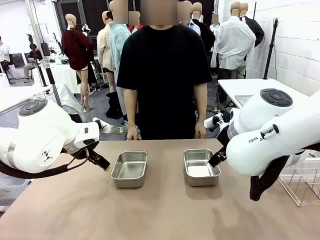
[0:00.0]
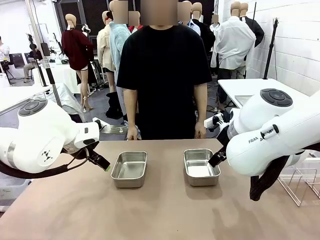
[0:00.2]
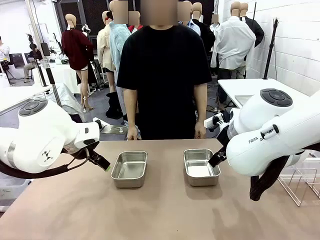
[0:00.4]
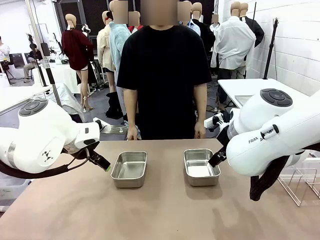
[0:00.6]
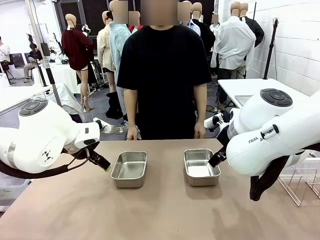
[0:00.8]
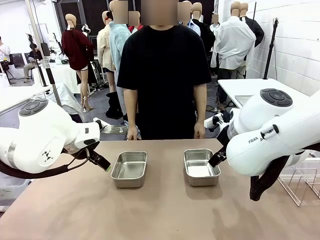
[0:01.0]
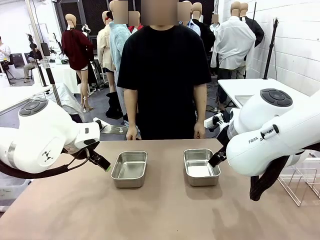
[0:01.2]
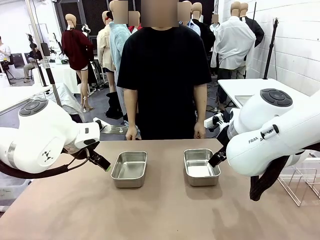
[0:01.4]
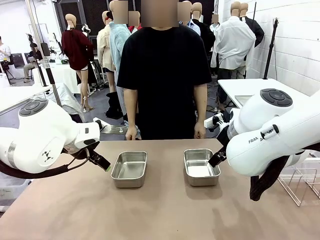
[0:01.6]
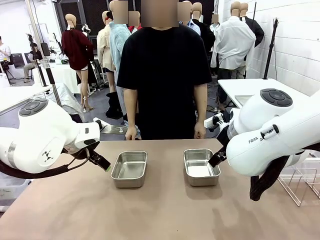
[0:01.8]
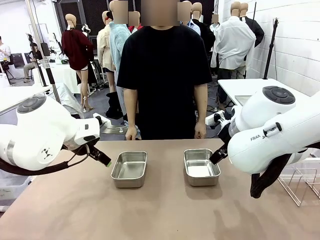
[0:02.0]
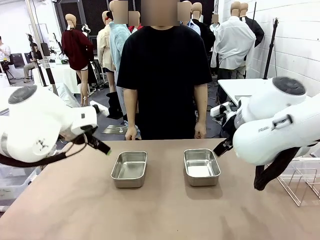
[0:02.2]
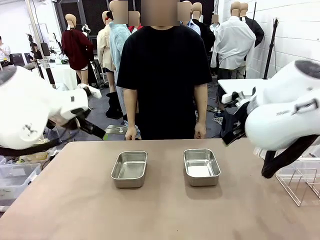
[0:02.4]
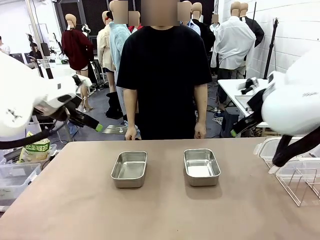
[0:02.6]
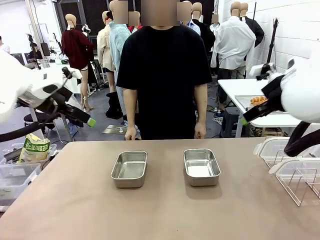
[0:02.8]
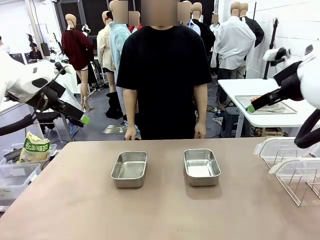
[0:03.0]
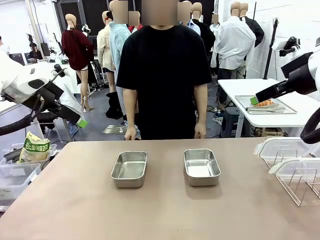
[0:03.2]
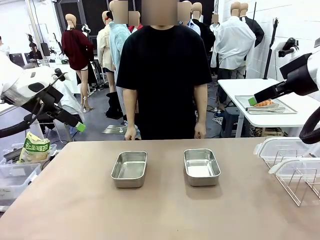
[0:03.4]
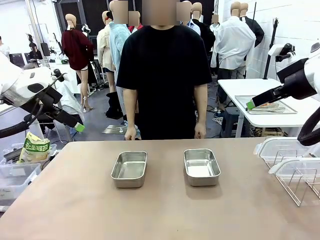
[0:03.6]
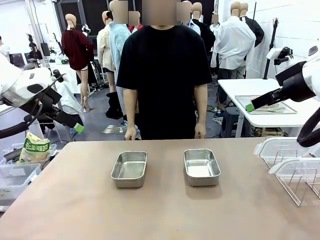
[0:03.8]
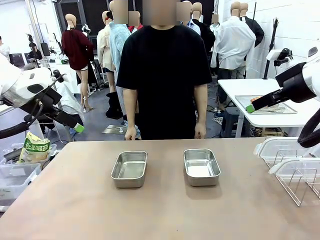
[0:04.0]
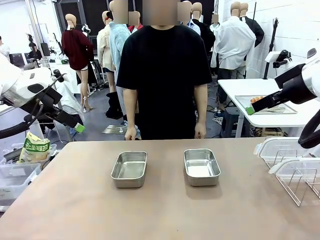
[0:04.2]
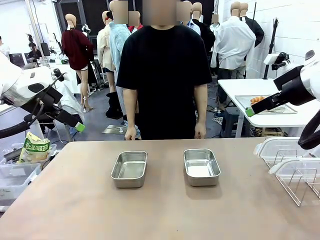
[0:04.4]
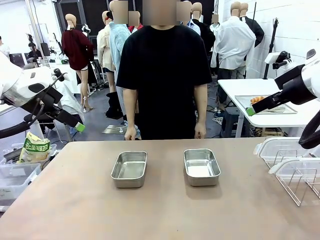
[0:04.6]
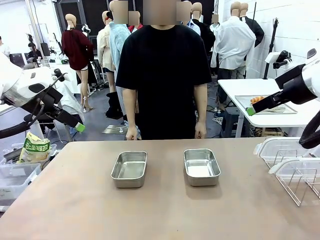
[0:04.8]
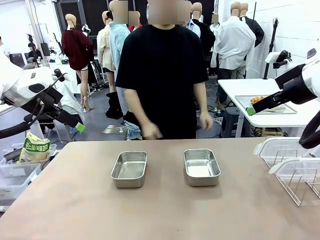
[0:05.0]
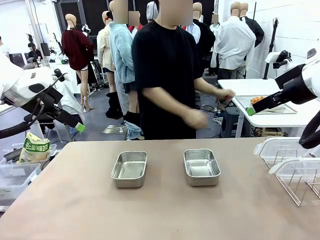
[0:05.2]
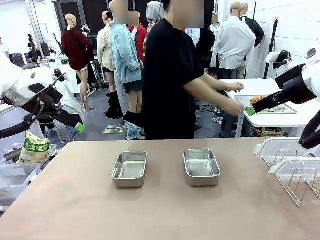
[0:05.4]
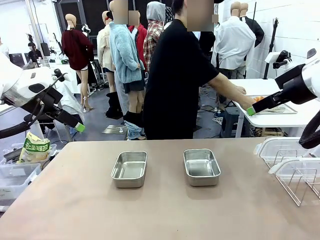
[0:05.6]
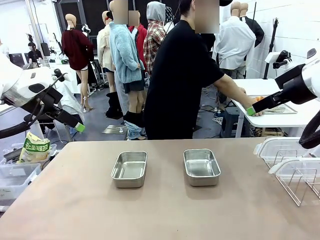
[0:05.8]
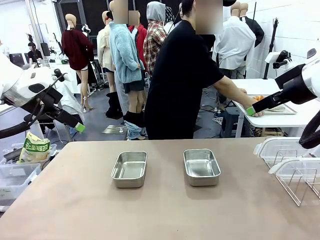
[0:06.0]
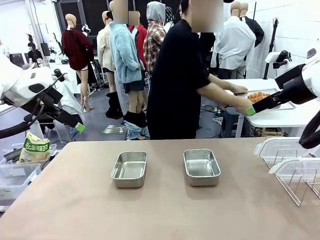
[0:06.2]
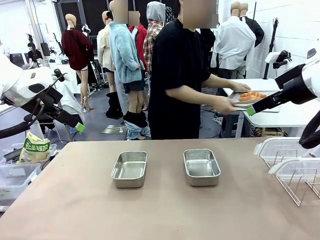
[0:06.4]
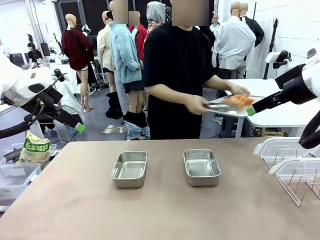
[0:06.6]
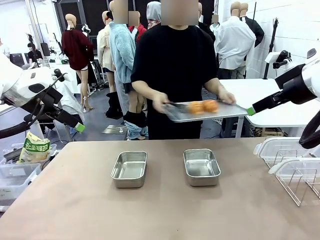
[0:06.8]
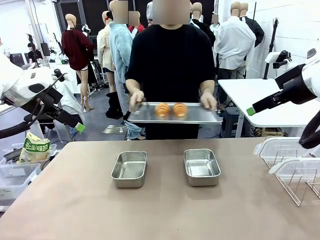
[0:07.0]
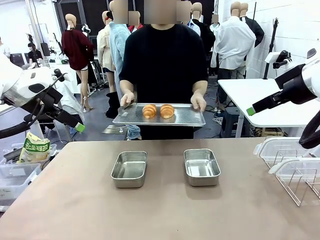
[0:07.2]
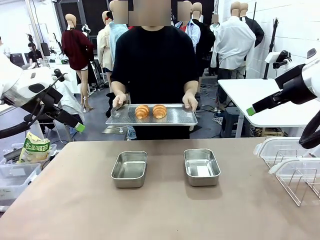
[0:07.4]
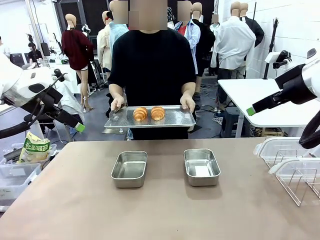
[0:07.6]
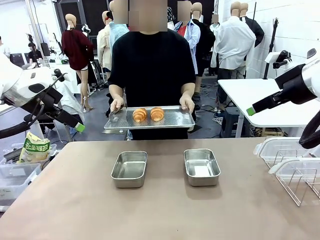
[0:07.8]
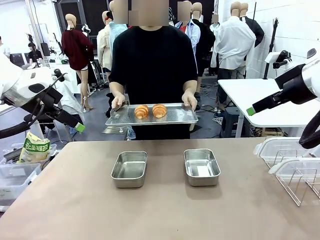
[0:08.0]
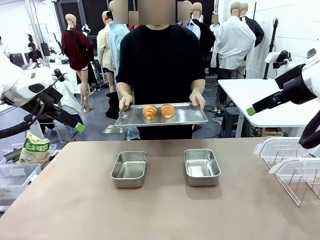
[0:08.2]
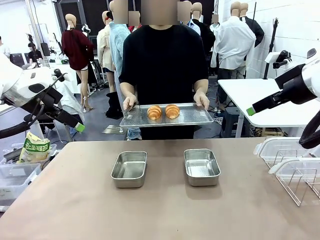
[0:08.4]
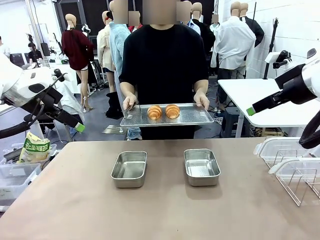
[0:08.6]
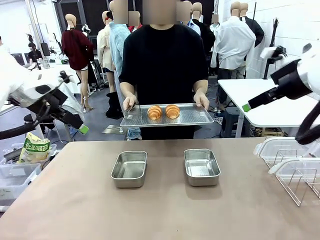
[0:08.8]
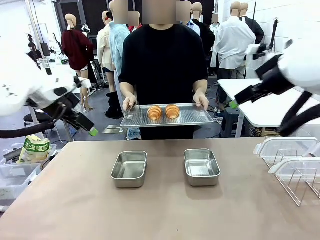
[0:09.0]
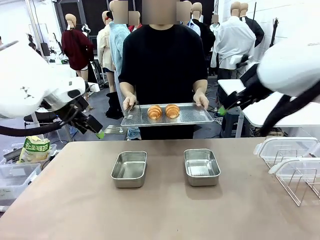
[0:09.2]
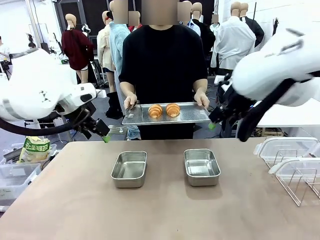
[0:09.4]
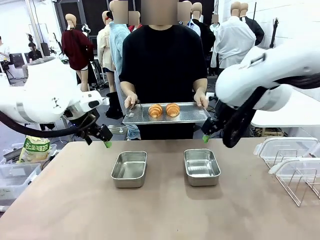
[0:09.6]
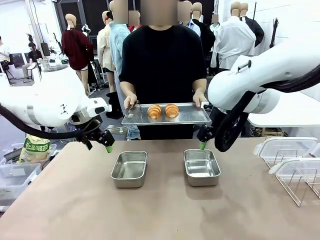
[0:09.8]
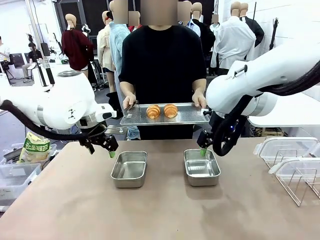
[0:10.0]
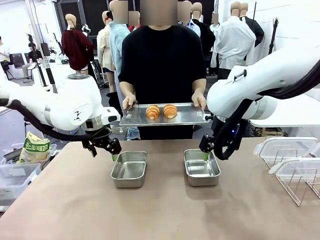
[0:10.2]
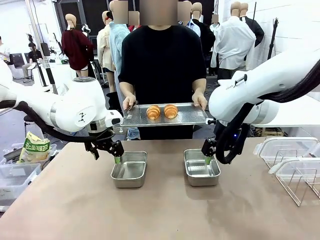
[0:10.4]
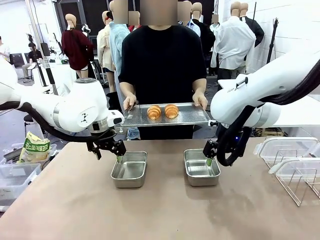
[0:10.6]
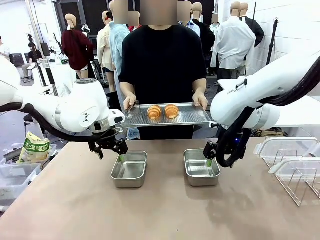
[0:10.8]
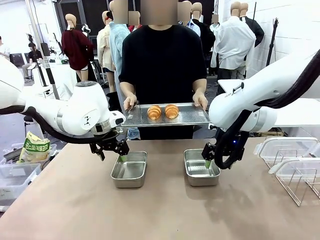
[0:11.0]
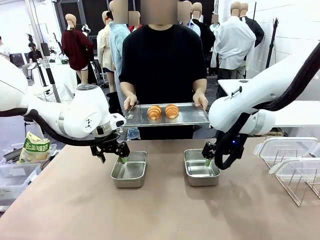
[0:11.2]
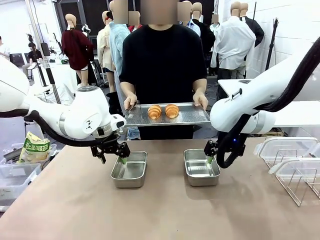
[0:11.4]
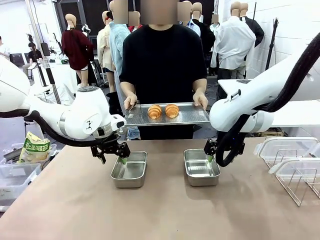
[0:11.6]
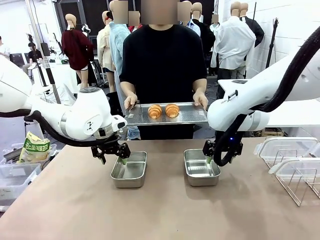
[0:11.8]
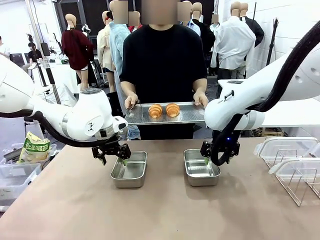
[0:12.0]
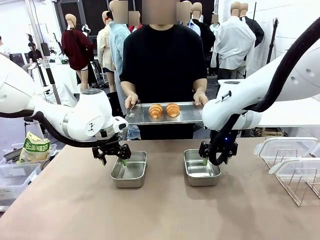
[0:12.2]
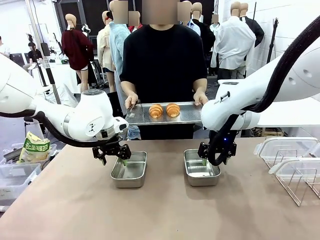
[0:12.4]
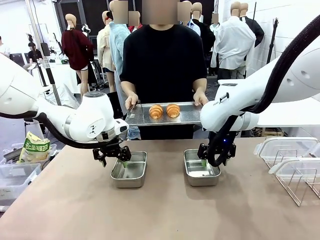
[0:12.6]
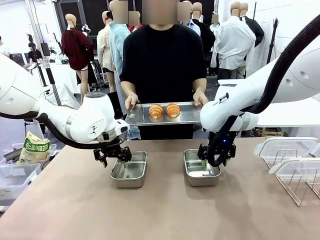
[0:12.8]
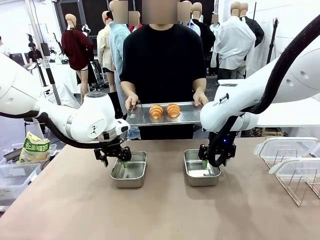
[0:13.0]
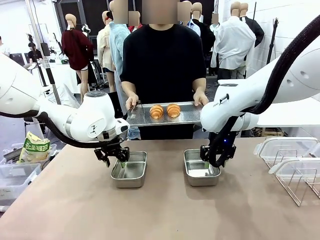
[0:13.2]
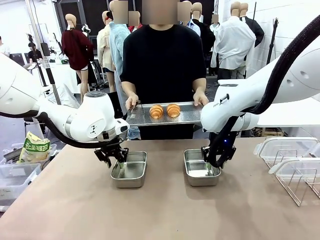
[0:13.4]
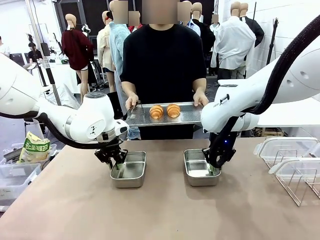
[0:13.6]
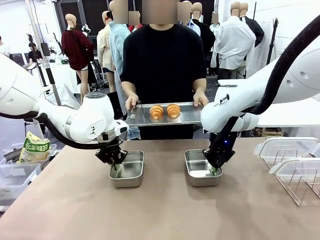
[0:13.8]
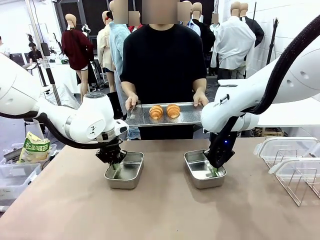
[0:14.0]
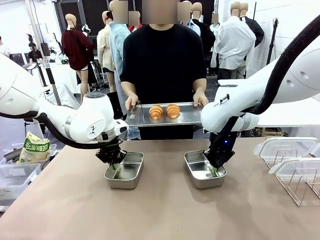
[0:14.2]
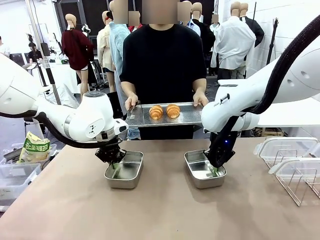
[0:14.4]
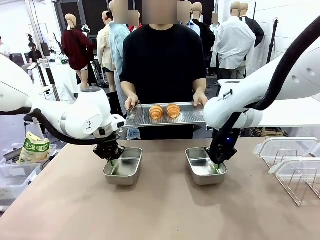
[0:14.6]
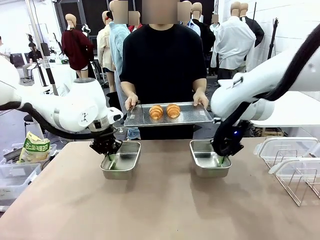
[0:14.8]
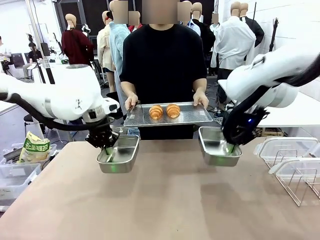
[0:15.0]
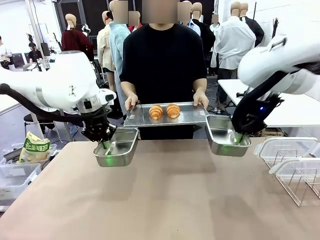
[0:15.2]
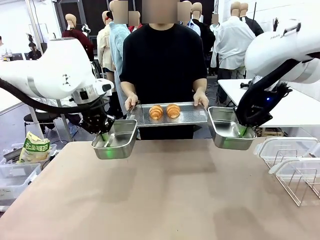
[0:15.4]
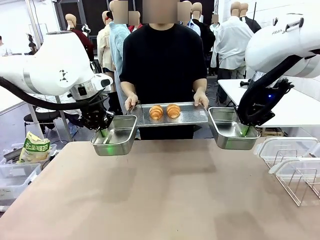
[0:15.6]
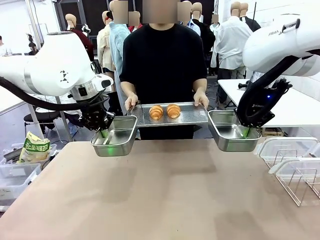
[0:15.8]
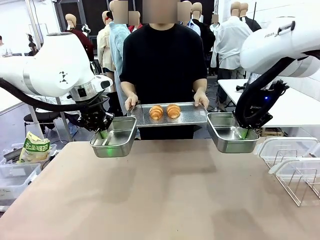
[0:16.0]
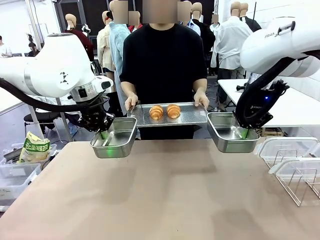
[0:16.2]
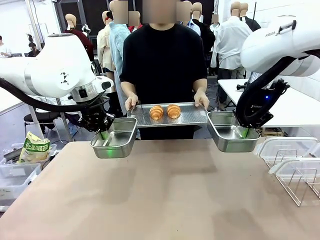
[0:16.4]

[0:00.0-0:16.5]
Task: Place the bread in airtight containers.
Robot: Lift both Airtight Container.
Person: Bring the Baking Sheet in front of Robot's Table.

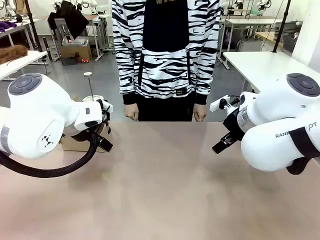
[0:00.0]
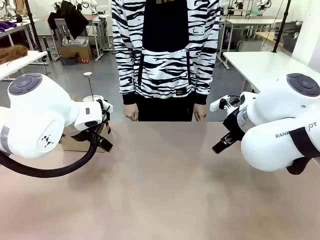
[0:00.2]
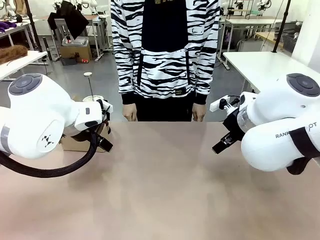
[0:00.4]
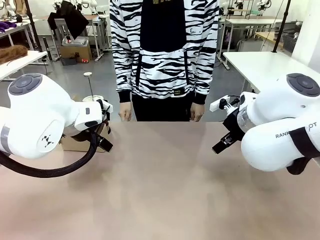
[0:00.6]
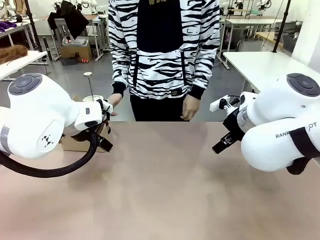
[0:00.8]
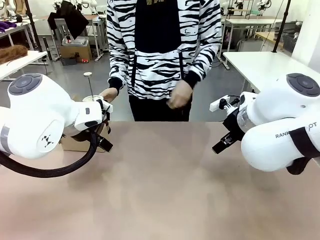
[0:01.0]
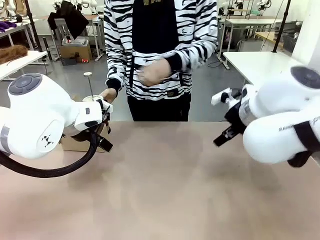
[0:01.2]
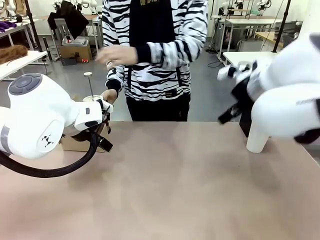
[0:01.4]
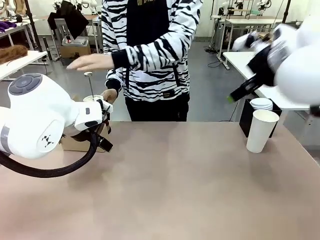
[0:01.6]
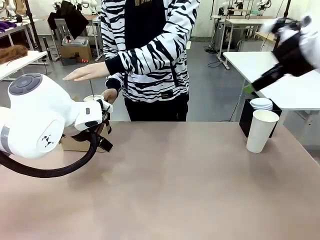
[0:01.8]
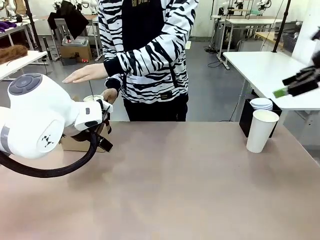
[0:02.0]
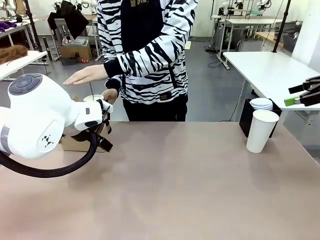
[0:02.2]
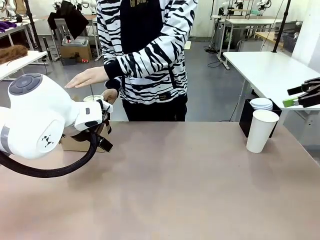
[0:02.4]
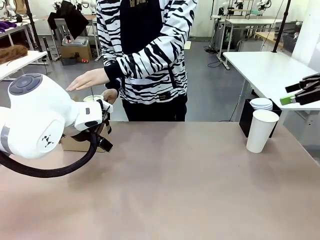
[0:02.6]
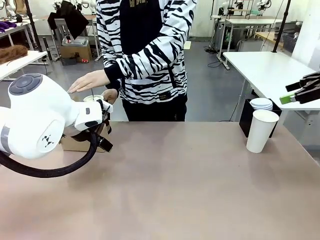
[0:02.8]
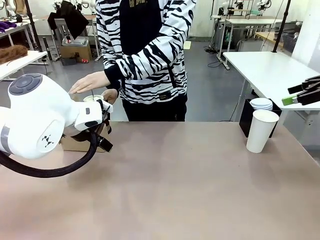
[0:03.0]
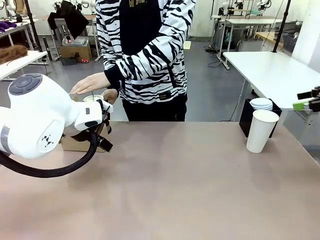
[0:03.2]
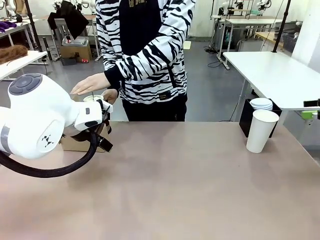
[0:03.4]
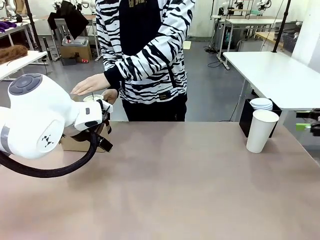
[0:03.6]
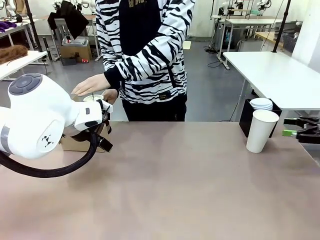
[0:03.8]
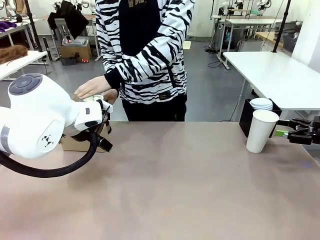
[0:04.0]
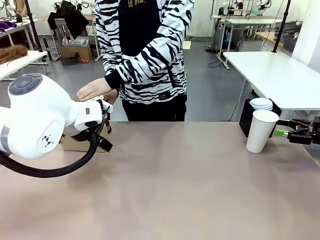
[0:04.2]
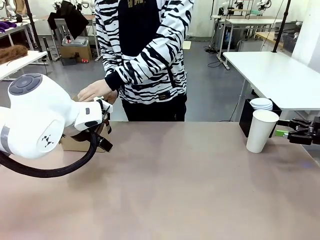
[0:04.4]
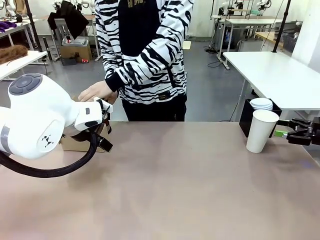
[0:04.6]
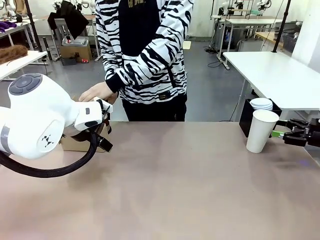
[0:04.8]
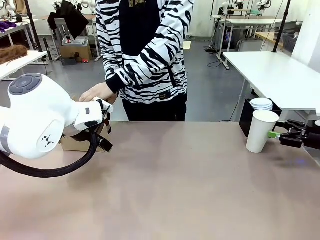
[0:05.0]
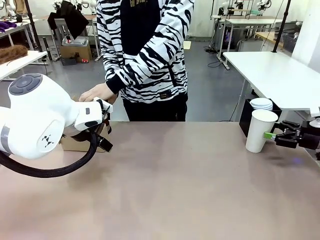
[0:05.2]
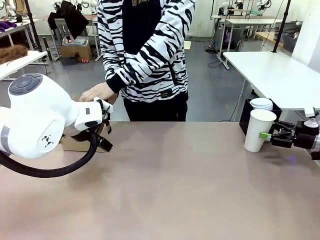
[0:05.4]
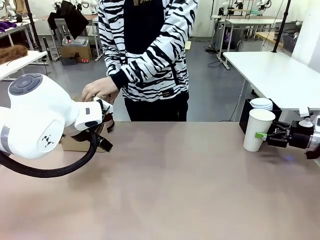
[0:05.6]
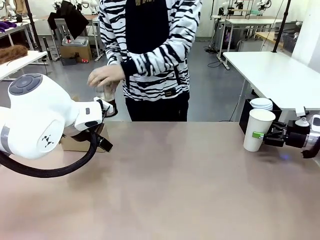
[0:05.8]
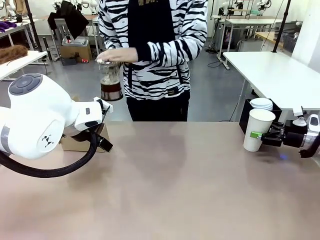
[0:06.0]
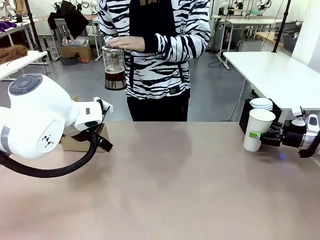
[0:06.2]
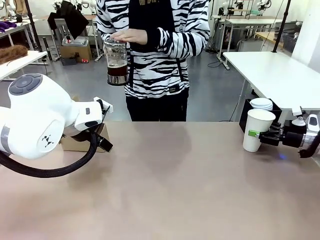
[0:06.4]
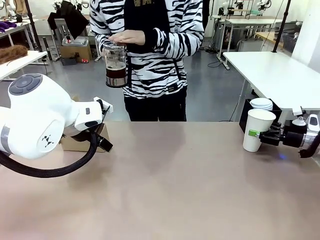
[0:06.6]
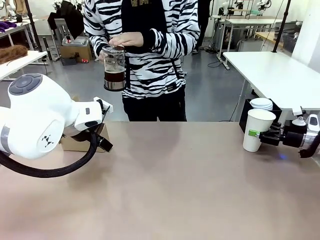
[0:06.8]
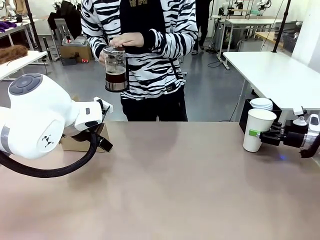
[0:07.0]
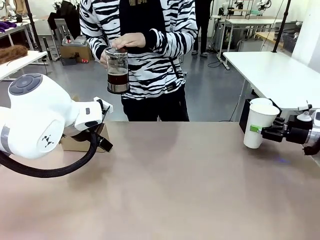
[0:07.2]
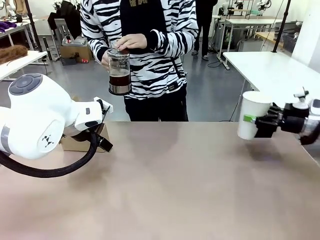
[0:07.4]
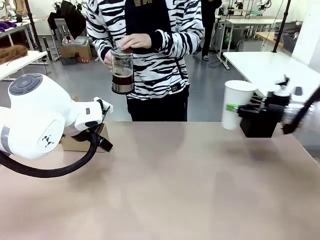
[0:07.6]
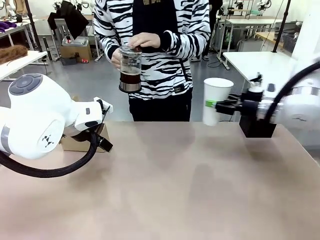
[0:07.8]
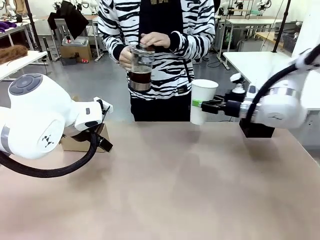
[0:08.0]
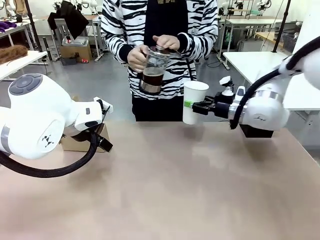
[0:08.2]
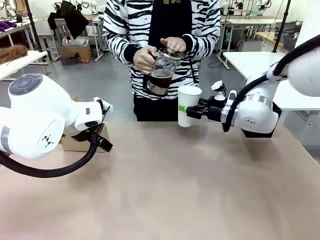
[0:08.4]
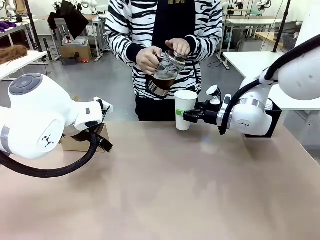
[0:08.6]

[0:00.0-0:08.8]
Task: Pour a drink into a cup and package it in a carrier.
Robot: Pick up the 600 ml Paper Cup and place it in the middle top area of the table.
Person: Press and pick up the Filter Brewing.
